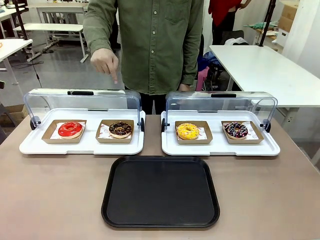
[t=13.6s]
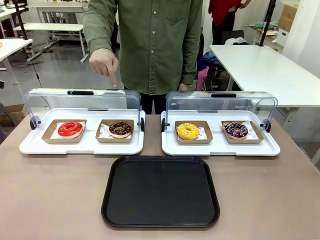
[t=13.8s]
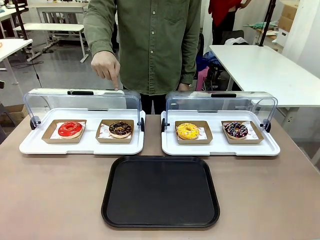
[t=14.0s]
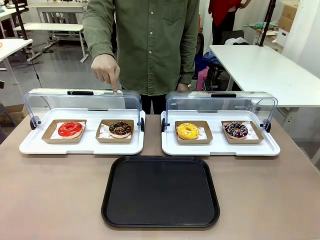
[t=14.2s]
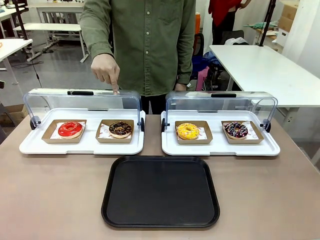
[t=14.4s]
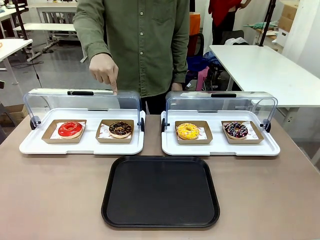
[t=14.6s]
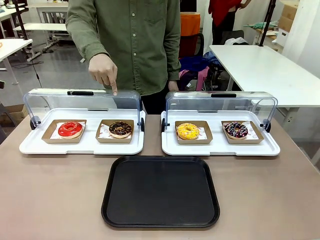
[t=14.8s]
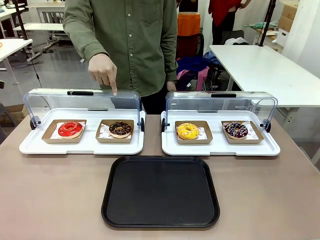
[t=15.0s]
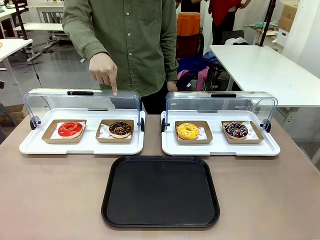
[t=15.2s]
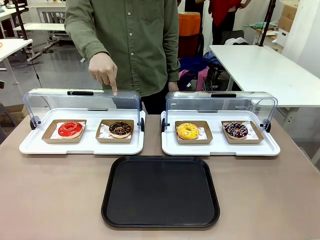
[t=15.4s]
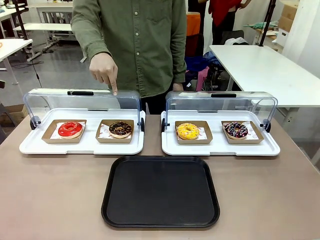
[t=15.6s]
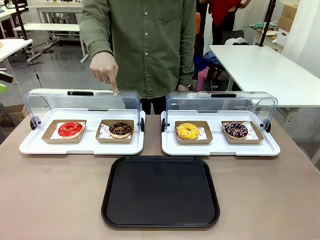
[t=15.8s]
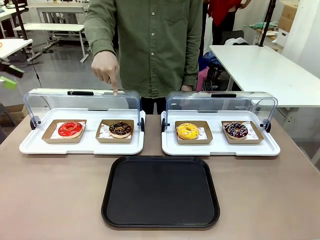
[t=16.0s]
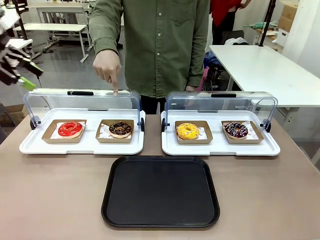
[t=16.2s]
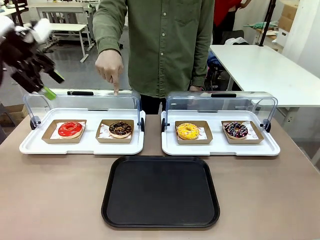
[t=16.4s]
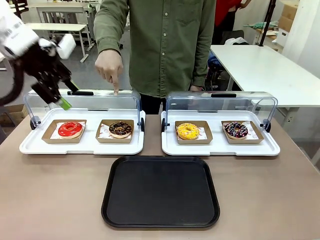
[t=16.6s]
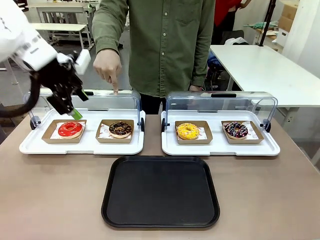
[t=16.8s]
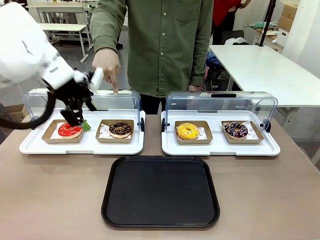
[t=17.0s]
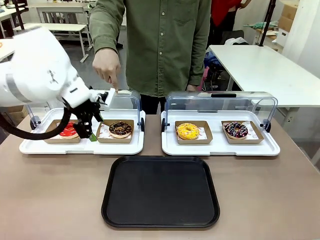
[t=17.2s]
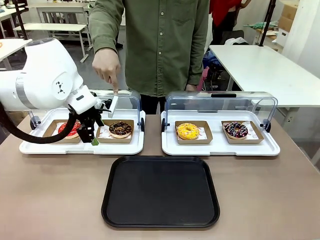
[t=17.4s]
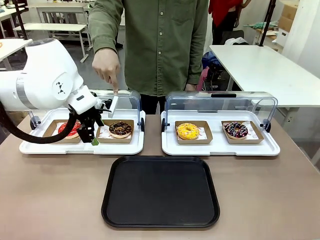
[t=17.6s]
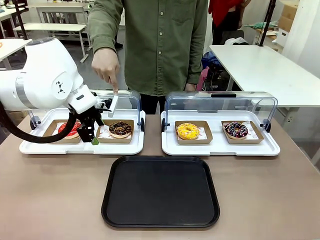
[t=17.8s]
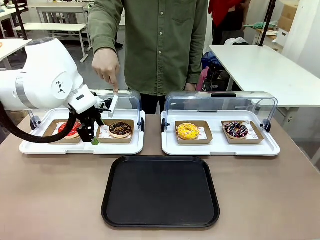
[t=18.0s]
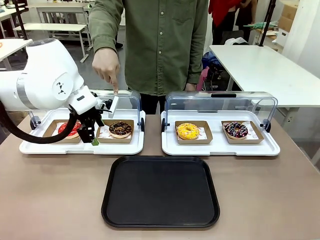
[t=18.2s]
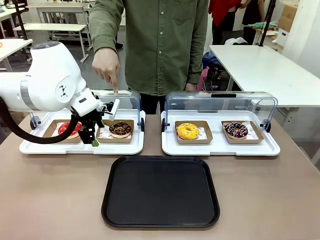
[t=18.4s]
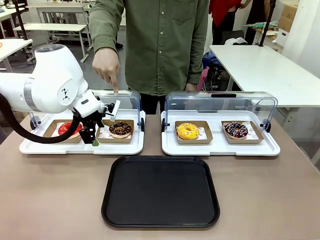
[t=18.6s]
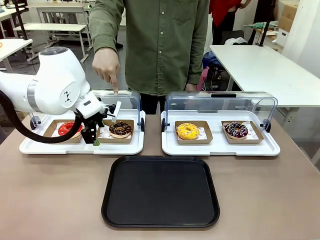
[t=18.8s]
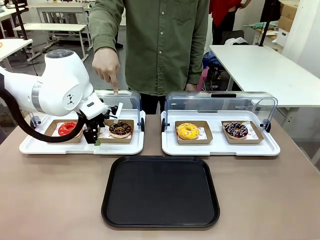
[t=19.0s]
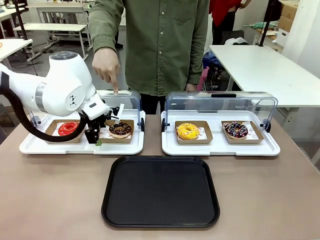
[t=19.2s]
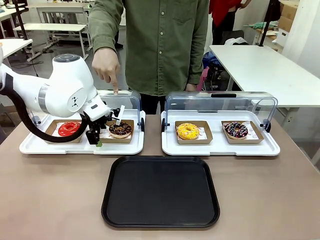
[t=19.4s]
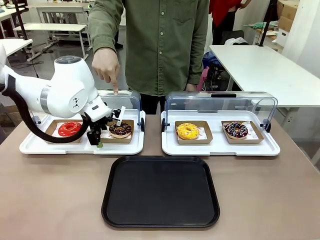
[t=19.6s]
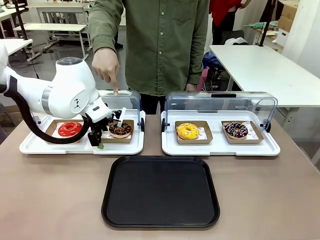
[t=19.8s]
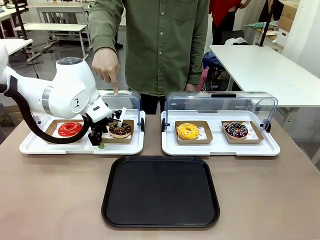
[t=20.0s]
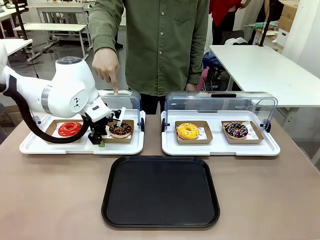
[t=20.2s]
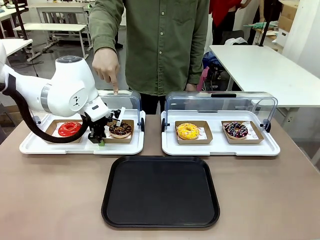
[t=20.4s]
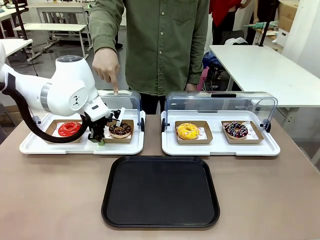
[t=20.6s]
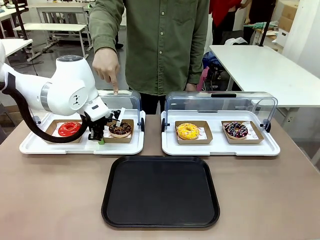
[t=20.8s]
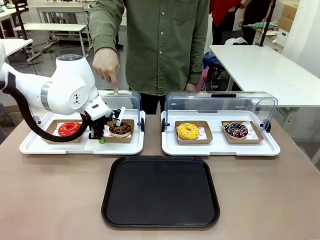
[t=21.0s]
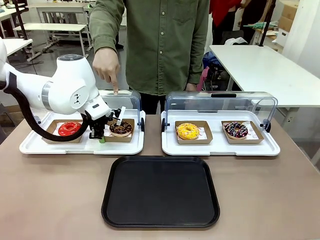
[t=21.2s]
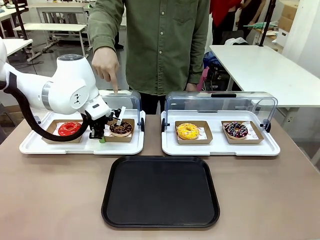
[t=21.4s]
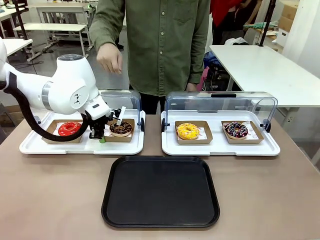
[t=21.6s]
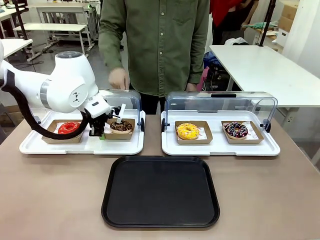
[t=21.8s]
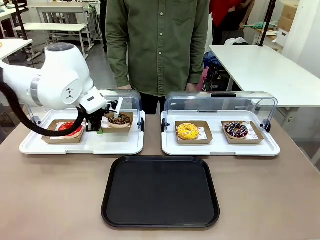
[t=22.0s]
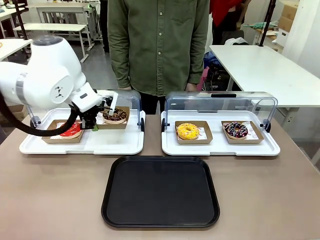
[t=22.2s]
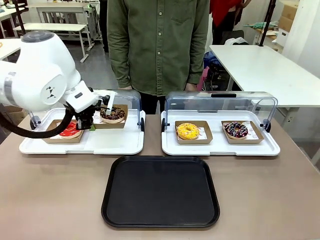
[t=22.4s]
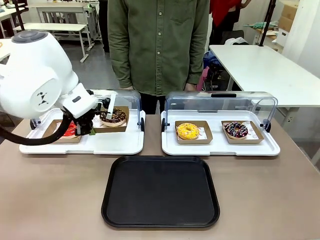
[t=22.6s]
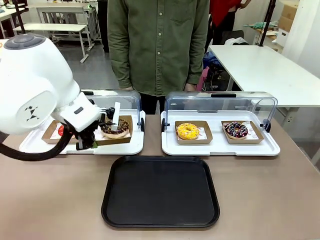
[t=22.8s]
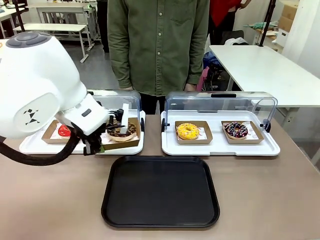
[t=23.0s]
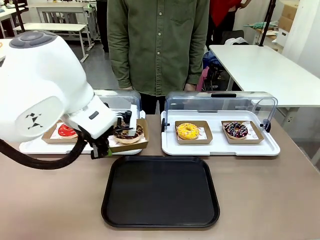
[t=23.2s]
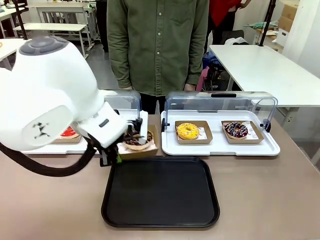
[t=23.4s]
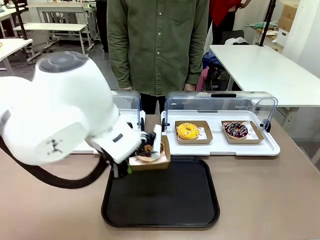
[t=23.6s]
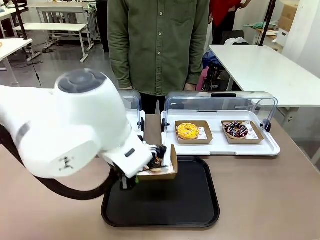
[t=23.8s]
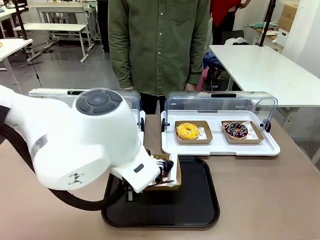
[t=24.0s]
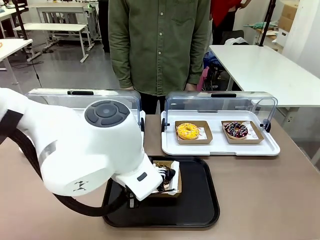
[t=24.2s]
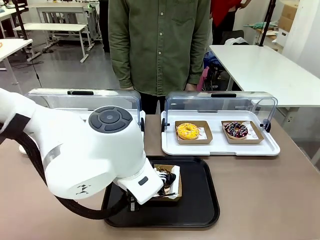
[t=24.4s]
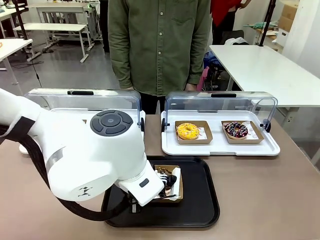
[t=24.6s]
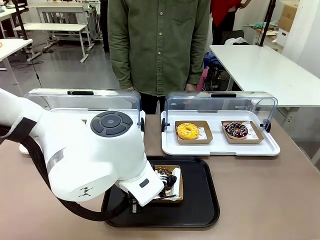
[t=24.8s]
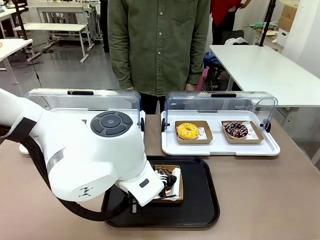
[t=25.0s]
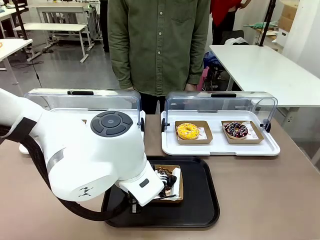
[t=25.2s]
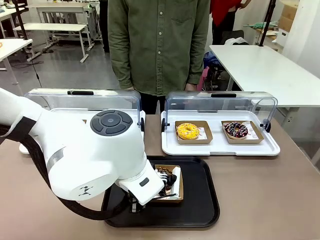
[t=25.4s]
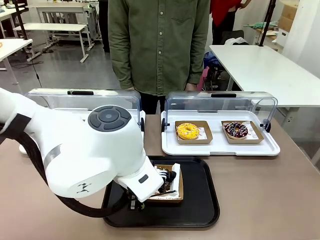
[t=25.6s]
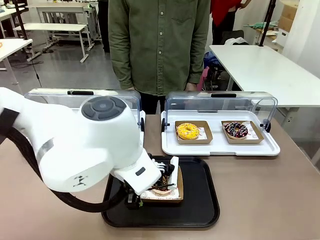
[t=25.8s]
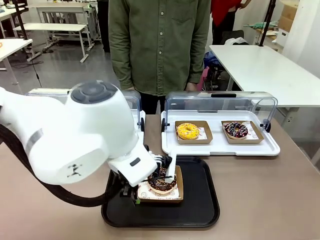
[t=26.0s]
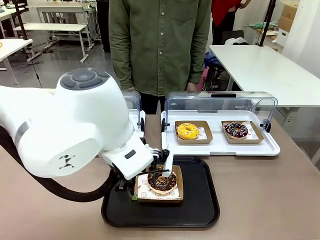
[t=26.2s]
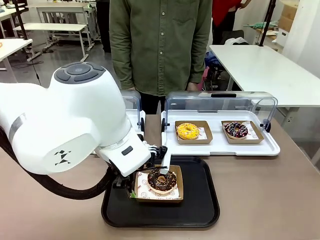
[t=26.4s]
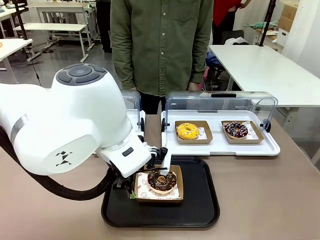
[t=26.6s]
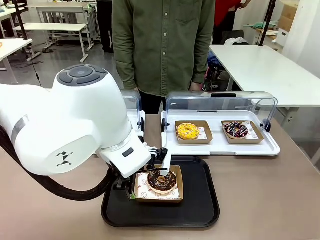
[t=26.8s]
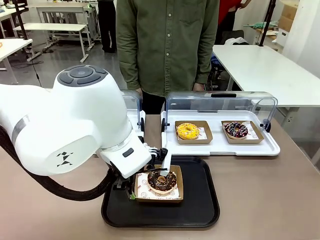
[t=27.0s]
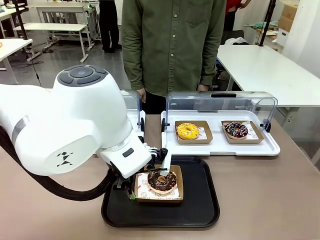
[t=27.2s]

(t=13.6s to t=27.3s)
Task: Move the second donut from the left to the tray.
Robot: Pick up the Paper togo box containing the Donut indicated by the person and place it on the Handle tray.
Person: Points to the second donut from the left from the robot’s perspective.
